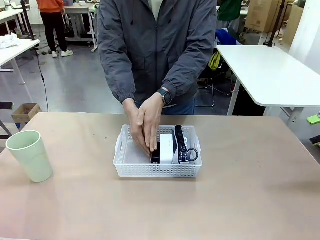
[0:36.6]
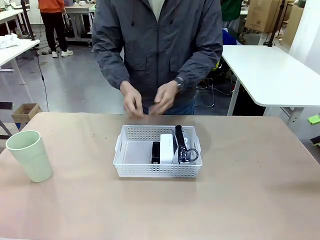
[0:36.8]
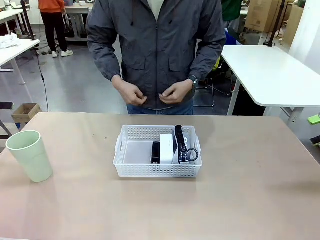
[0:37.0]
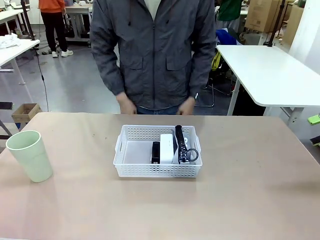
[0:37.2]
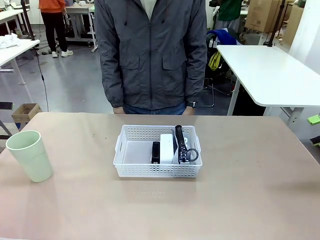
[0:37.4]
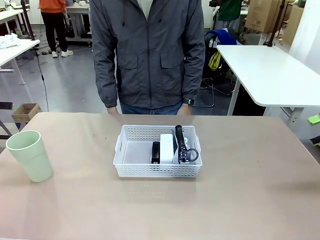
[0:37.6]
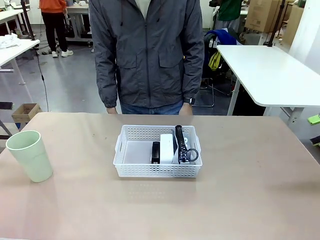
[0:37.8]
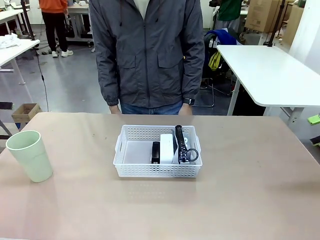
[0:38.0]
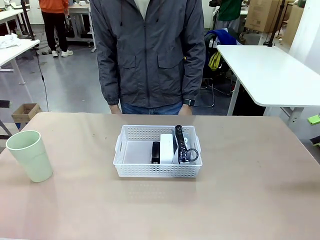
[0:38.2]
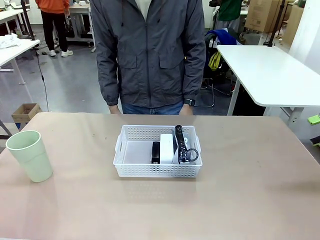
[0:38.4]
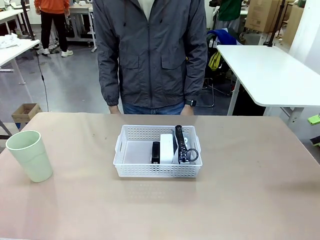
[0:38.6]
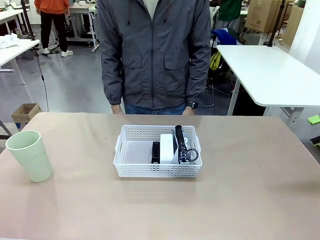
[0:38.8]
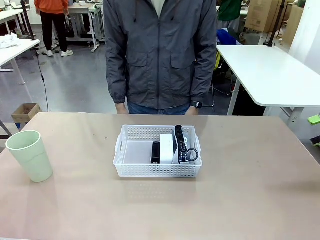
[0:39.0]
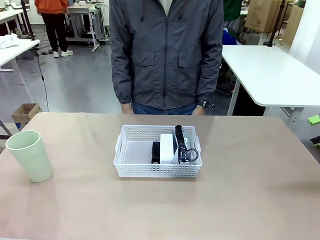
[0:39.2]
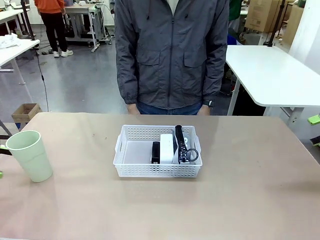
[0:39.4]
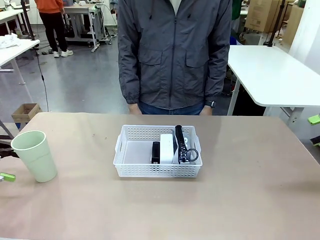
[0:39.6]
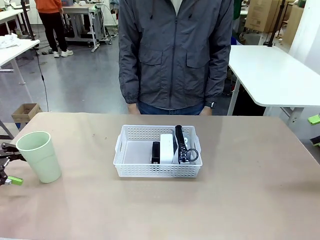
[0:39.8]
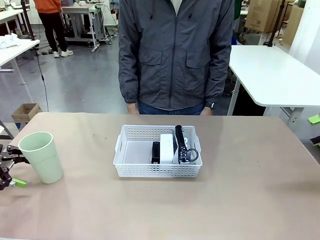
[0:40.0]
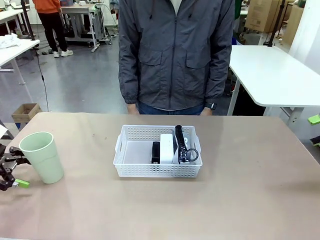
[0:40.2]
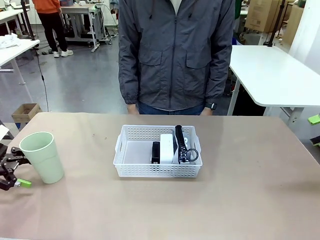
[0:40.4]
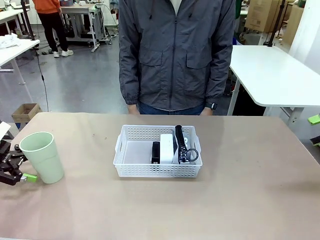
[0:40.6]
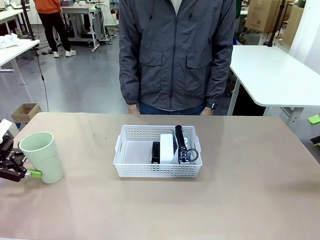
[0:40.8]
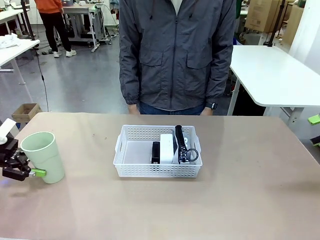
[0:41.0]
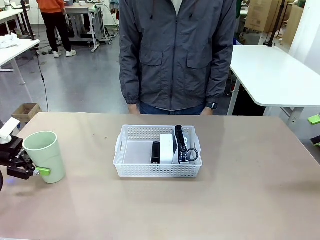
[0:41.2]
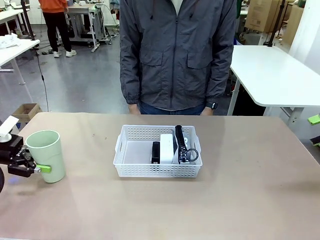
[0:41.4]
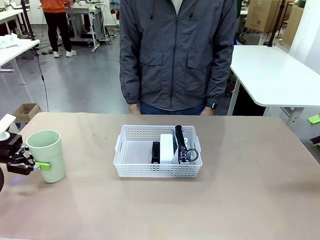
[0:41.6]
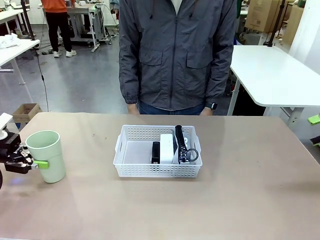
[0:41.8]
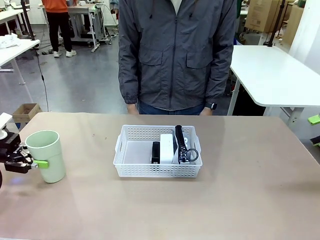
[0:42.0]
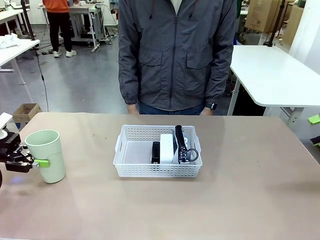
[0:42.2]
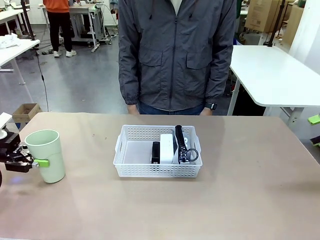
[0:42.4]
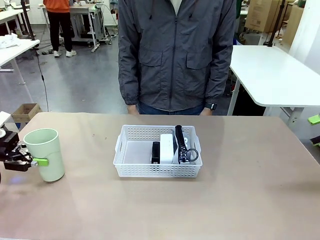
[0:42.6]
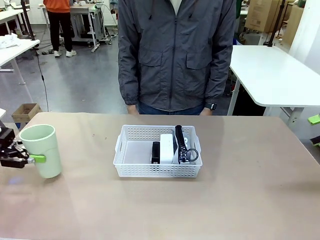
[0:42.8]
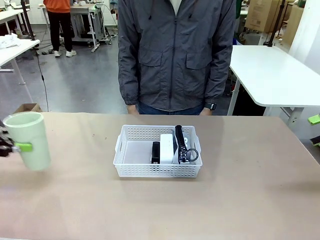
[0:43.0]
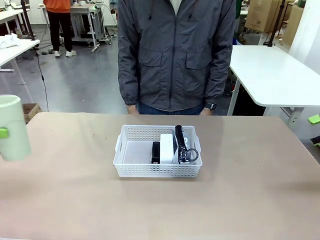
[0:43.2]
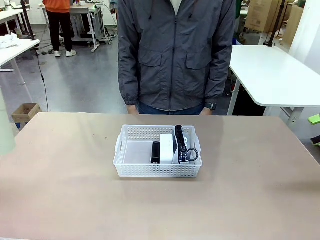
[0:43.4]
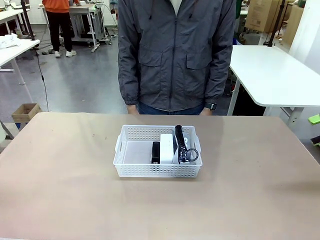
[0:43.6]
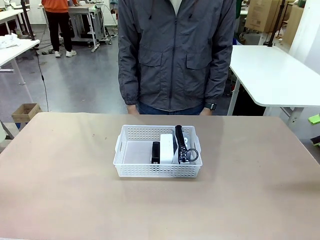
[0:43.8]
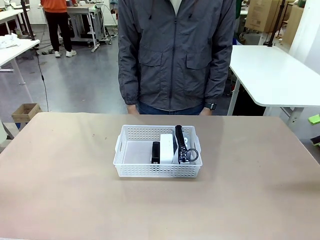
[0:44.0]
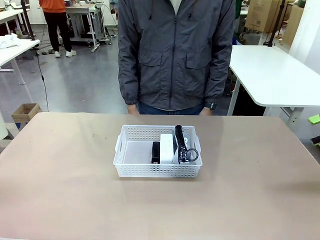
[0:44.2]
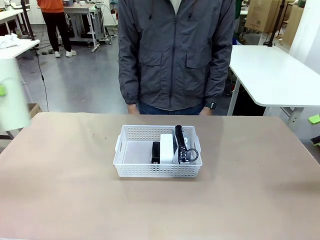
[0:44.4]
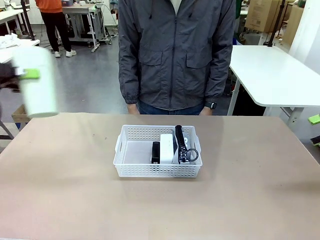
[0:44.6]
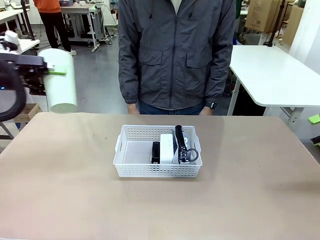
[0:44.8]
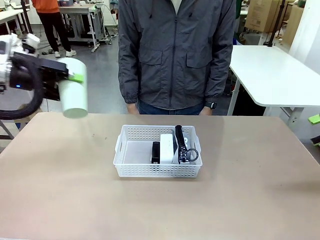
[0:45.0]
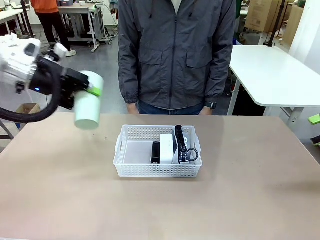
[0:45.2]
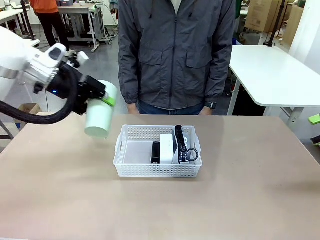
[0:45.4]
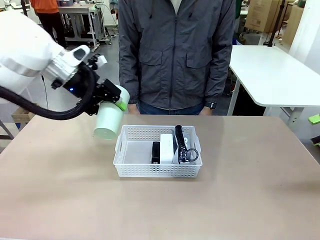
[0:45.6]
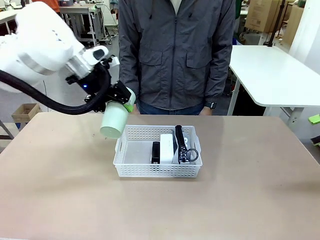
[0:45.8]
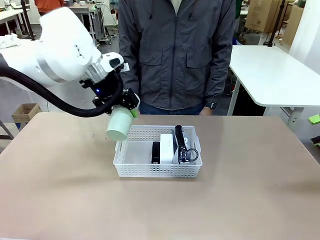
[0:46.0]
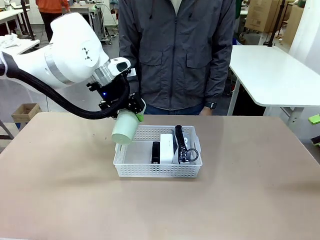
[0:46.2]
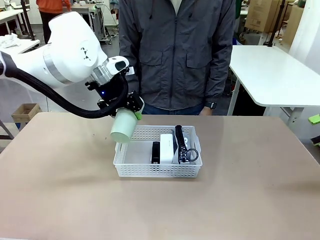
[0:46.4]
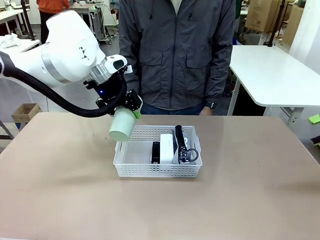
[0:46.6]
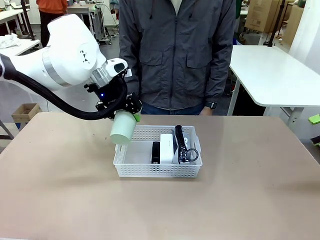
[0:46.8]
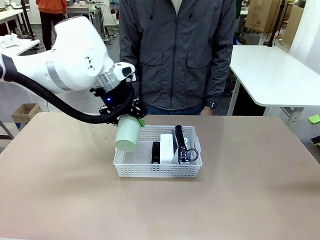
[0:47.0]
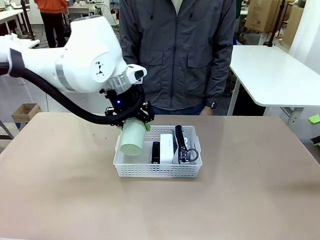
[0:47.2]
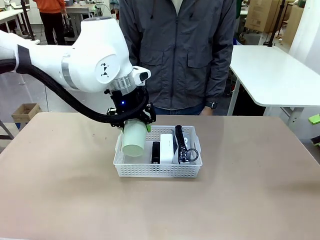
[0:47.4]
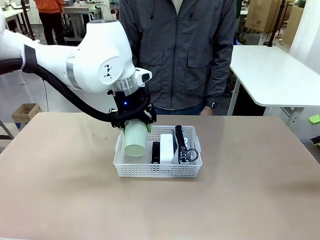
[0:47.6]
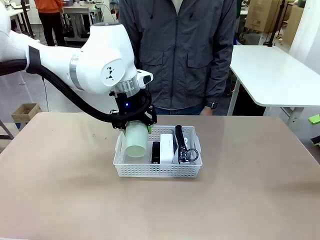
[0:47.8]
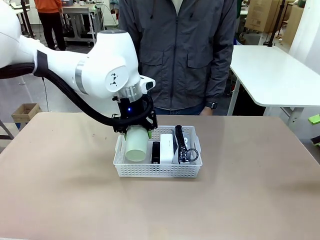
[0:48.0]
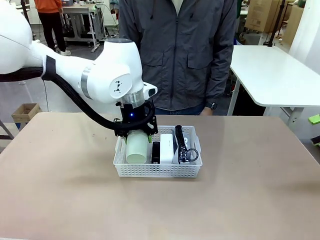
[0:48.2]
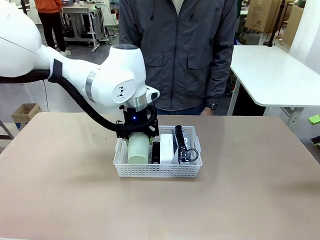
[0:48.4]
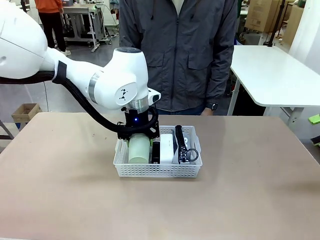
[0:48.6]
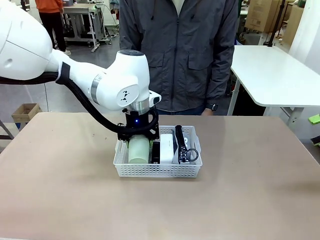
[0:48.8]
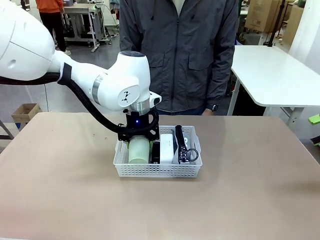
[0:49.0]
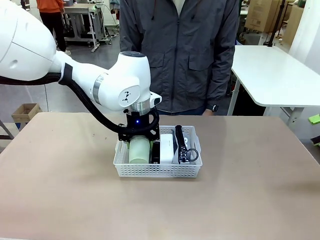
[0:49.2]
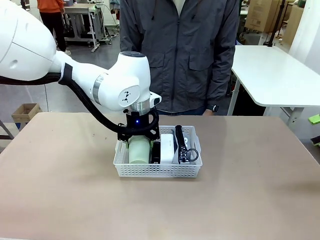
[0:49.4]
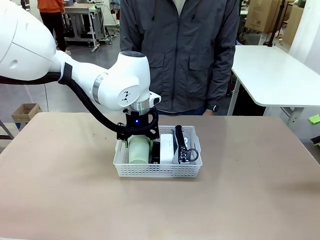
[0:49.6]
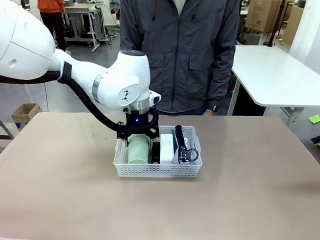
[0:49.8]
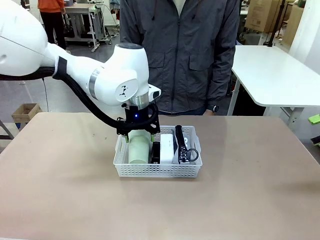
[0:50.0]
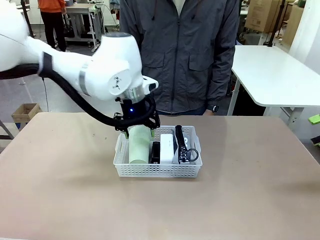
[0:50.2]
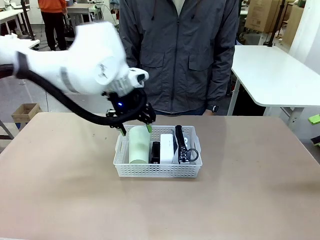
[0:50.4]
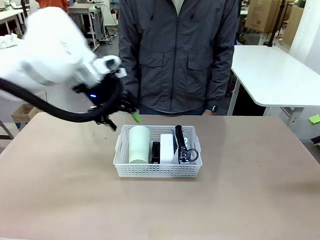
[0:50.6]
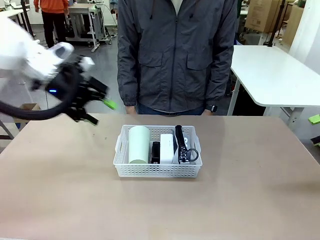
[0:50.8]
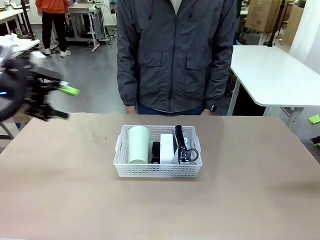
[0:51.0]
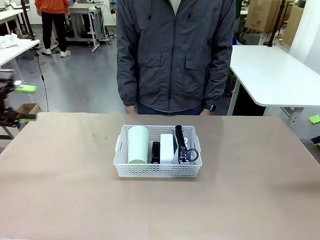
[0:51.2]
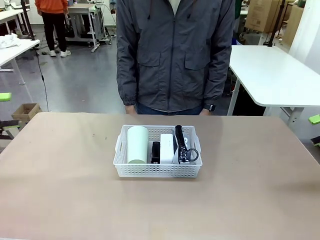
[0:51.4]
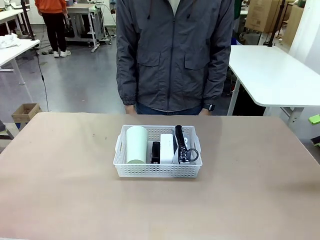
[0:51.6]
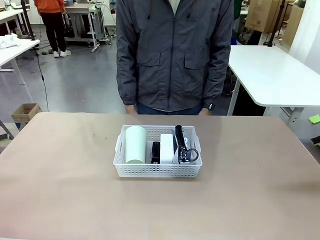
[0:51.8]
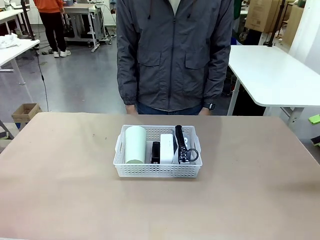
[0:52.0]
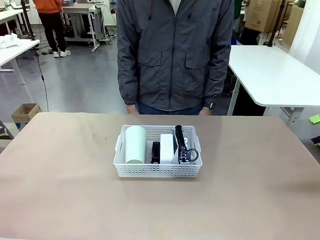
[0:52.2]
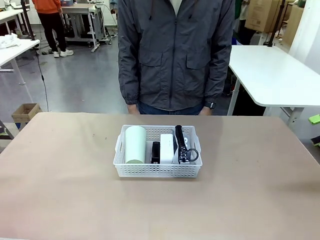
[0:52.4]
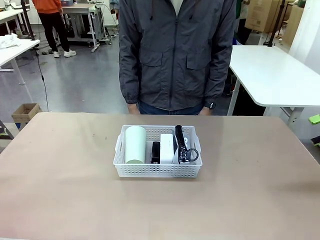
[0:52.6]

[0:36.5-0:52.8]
Task: Efficiently arrange items inside the basket to fit them all.
Robot: Pick up the Reusable plastic cup and place it inside the Organizing basket.
Person: Repositions the stapler.
